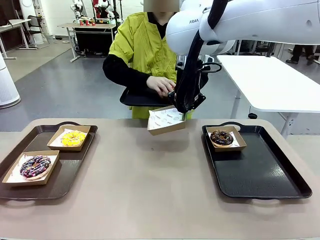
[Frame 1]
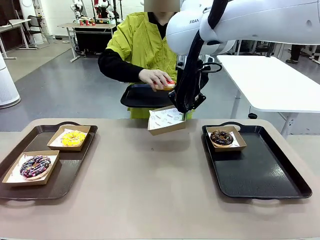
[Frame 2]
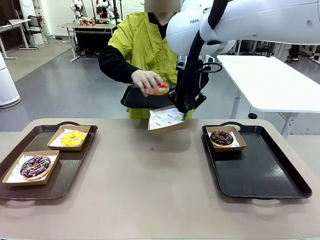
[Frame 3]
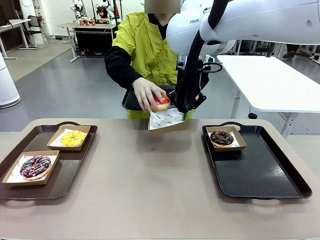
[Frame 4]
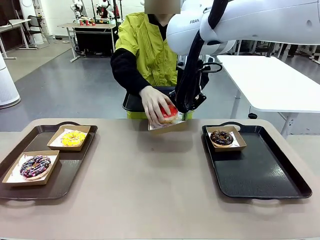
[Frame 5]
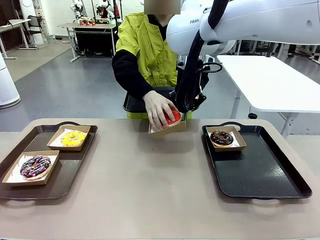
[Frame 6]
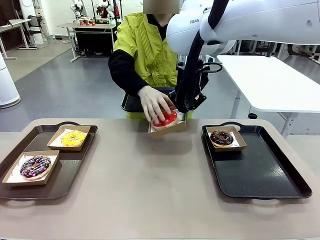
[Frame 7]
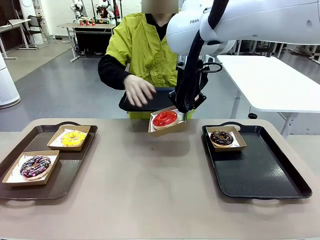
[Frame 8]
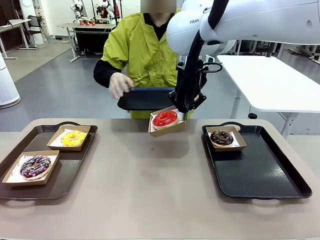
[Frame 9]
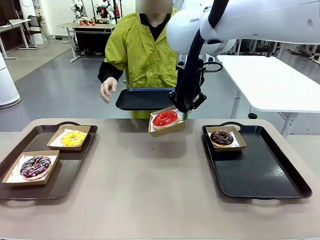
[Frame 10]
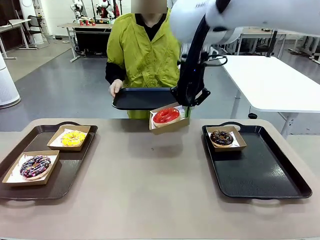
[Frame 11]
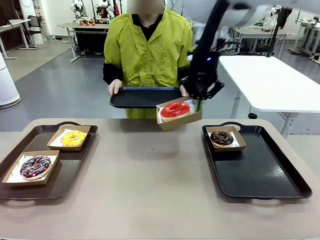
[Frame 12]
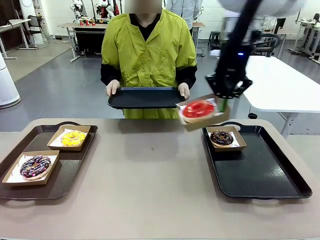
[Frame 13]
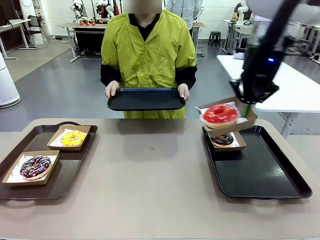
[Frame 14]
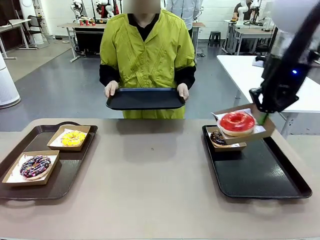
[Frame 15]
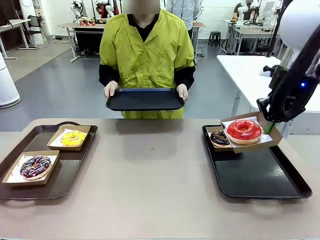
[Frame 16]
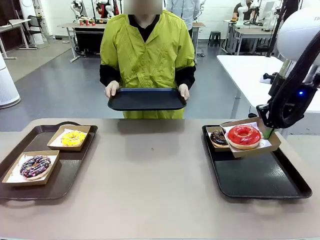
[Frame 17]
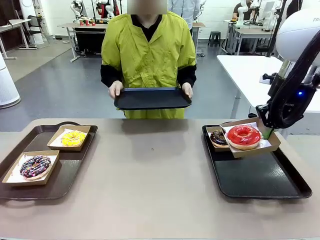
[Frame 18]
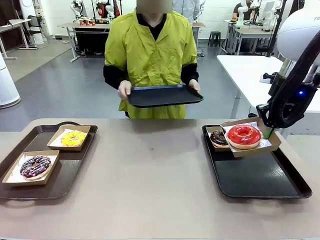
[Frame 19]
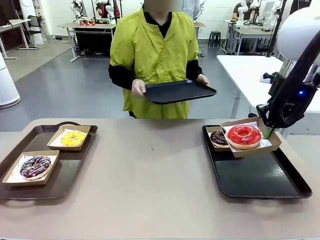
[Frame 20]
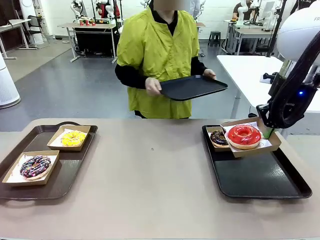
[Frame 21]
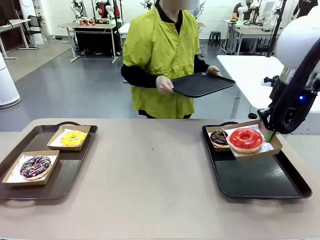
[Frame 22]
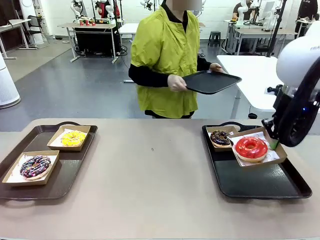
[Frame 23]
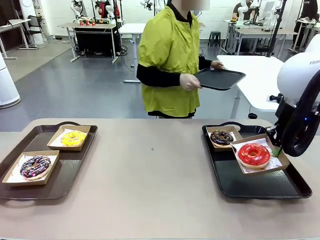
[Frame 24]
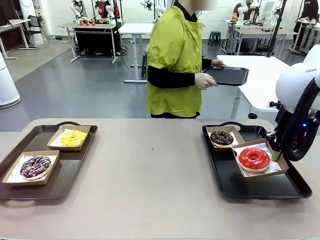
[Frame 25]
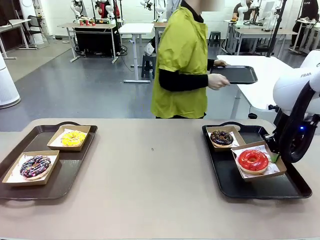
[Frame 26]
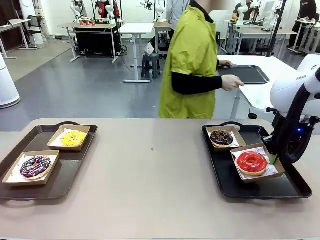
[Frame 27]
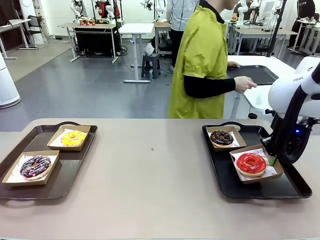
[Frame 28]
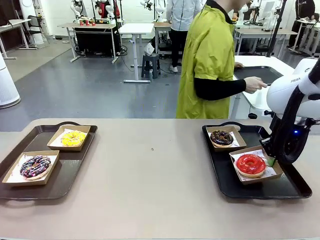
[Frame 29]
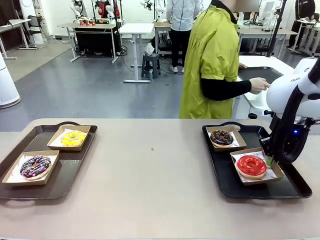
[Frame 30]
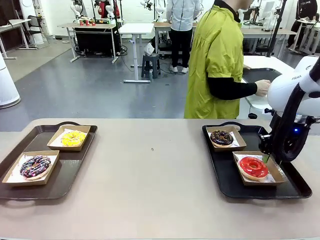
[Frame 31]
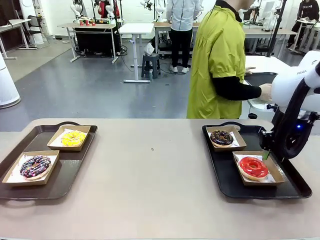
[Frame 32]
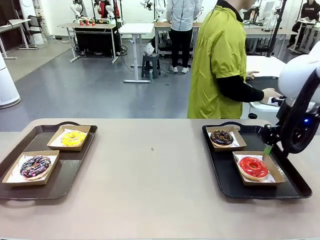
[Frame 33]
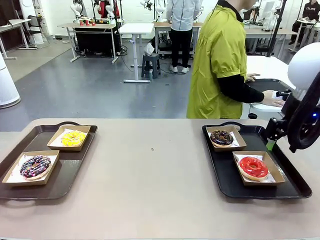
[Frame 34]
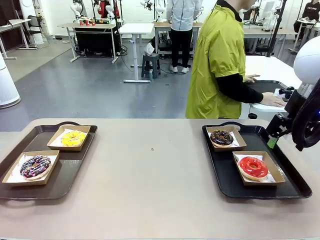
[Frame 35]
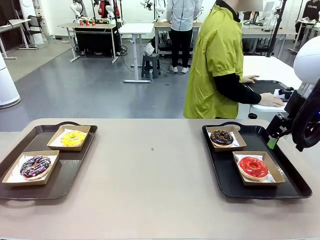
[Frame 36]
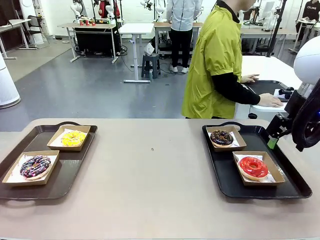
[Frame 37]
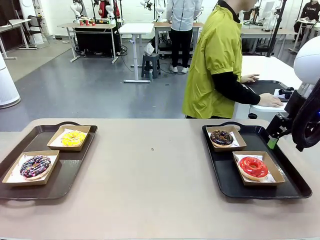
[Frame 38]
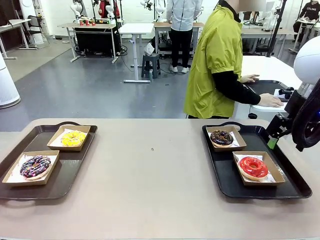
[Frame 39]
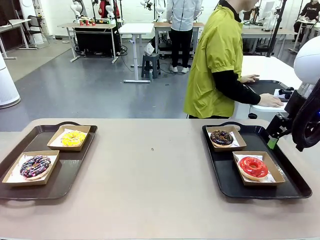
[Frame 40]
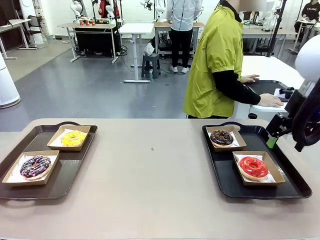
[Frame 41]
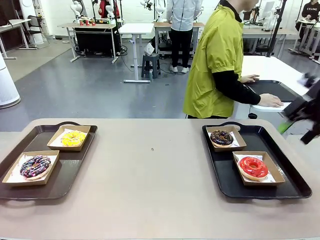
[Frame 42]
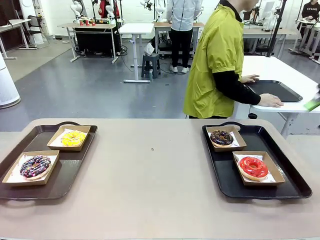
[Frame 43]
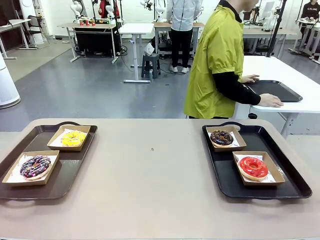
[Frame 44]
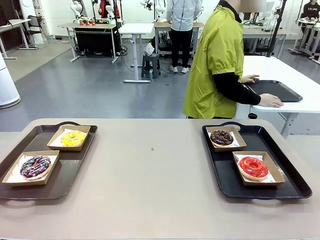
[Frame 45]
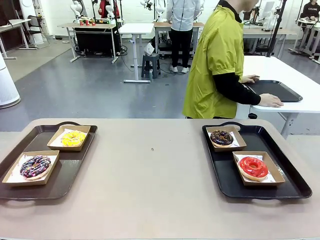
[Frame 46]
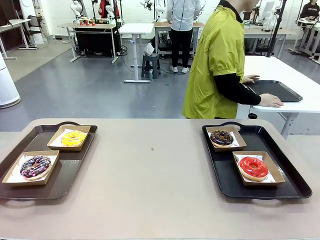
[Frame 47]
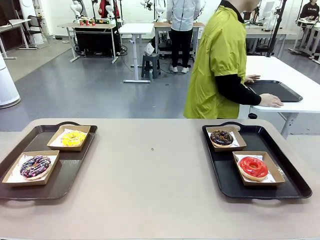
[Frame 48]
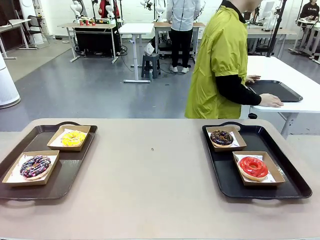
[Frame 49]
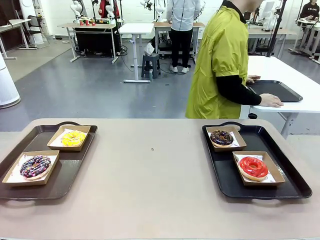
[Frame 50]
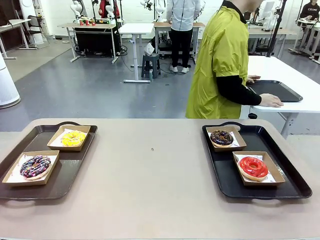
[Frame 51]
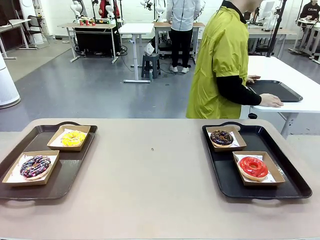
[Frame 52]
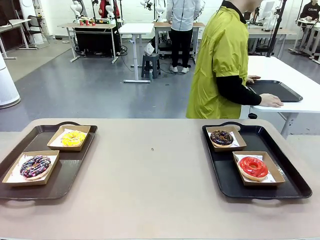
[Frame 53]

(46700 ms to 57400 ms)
Task: Individually package the donuts and arrange them on the tray.
Robot: Place the picked Paper togo box on the Handle tray.
Person: Place the tray down in the middle of the human table.

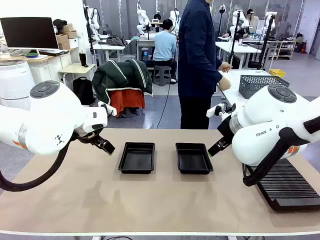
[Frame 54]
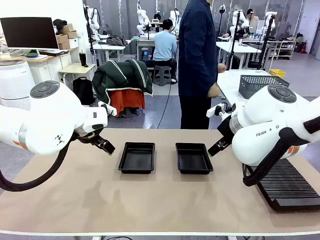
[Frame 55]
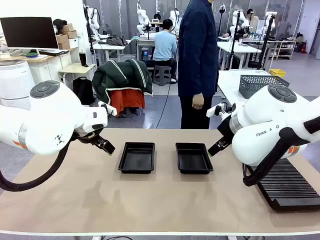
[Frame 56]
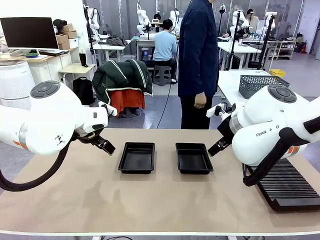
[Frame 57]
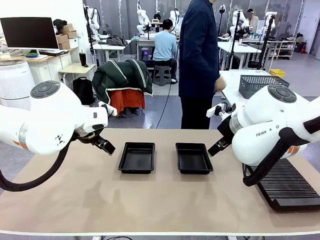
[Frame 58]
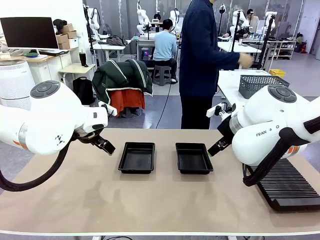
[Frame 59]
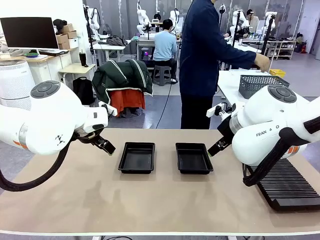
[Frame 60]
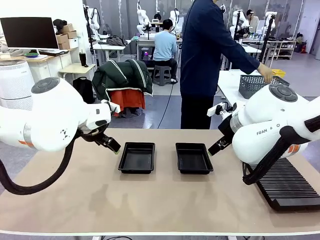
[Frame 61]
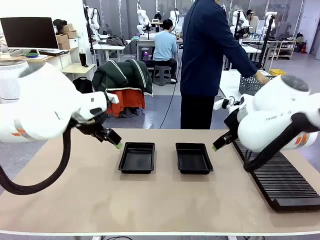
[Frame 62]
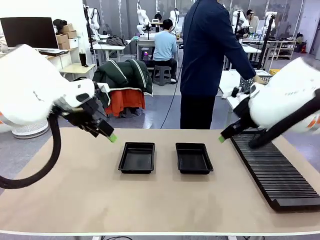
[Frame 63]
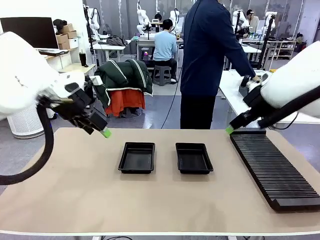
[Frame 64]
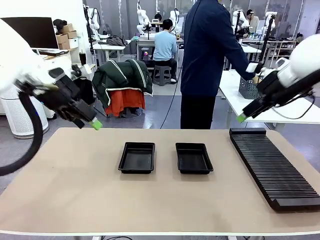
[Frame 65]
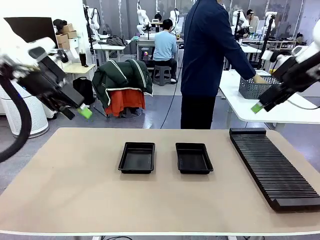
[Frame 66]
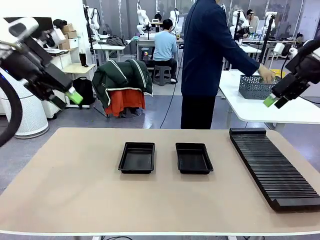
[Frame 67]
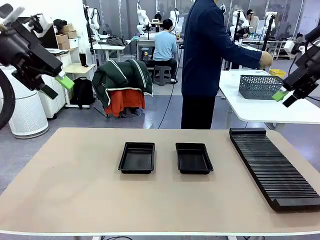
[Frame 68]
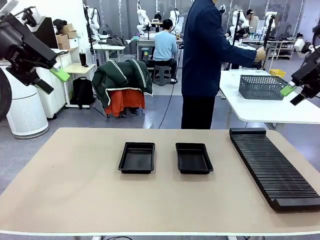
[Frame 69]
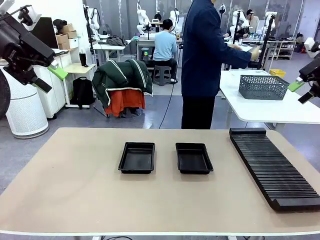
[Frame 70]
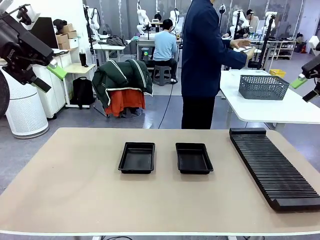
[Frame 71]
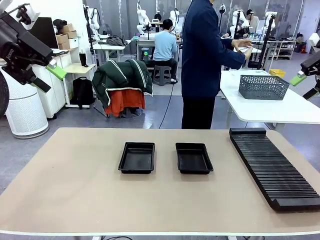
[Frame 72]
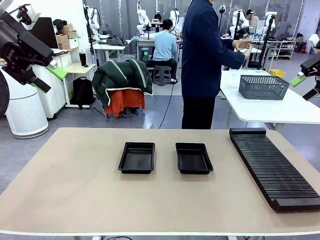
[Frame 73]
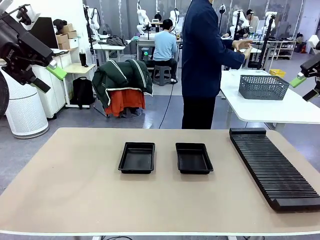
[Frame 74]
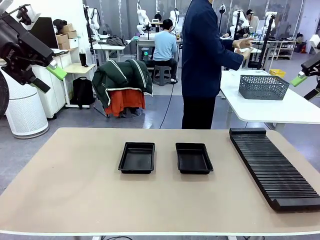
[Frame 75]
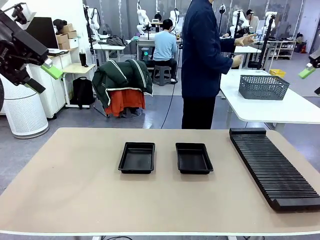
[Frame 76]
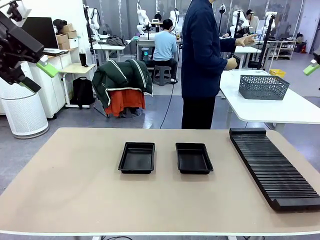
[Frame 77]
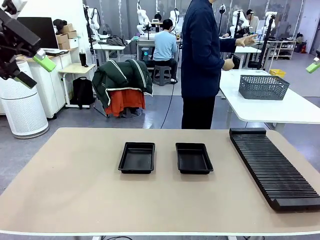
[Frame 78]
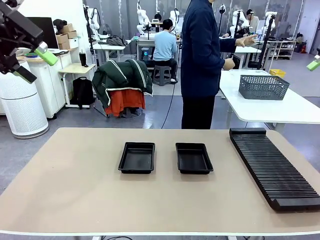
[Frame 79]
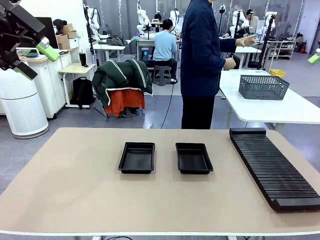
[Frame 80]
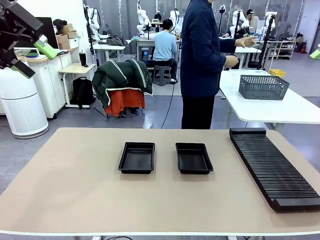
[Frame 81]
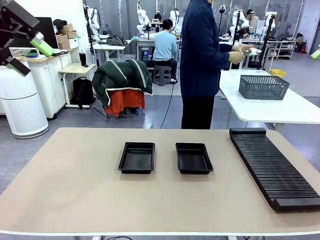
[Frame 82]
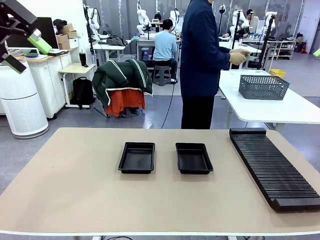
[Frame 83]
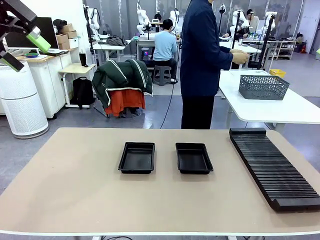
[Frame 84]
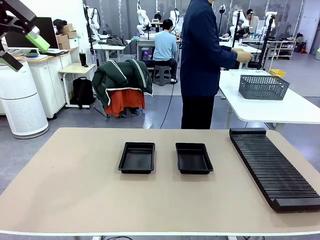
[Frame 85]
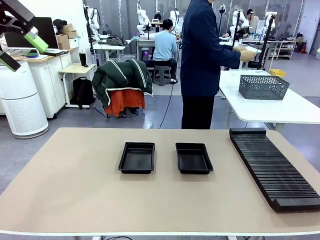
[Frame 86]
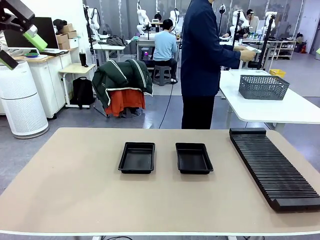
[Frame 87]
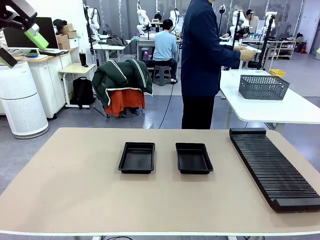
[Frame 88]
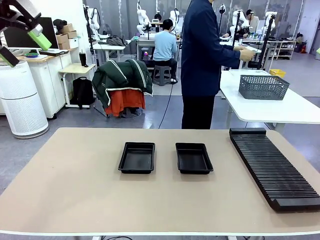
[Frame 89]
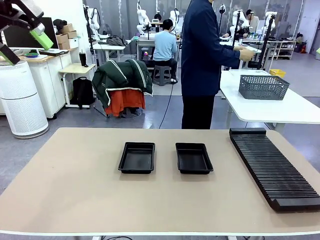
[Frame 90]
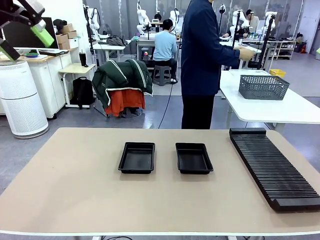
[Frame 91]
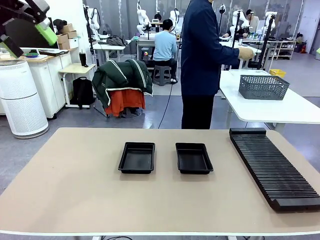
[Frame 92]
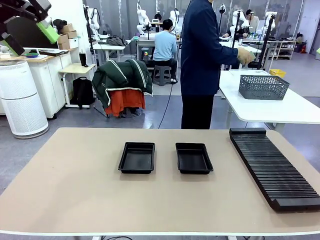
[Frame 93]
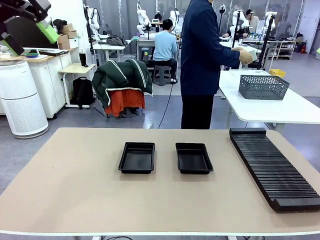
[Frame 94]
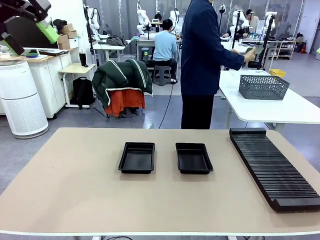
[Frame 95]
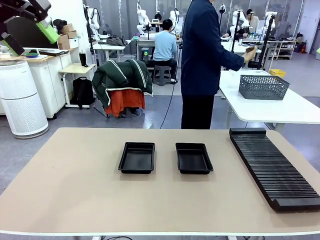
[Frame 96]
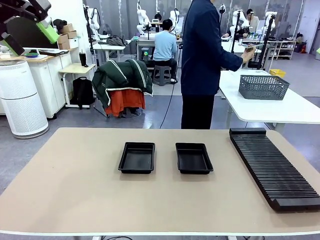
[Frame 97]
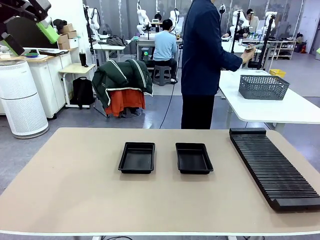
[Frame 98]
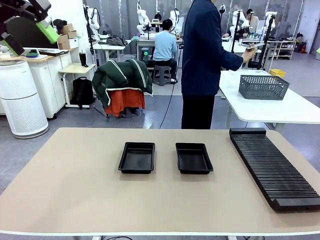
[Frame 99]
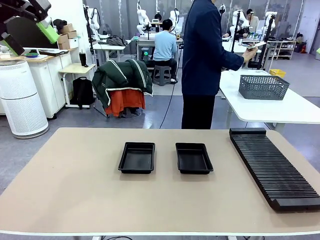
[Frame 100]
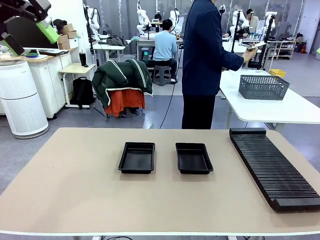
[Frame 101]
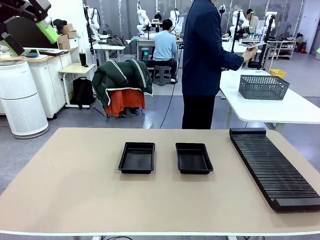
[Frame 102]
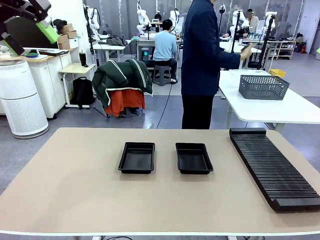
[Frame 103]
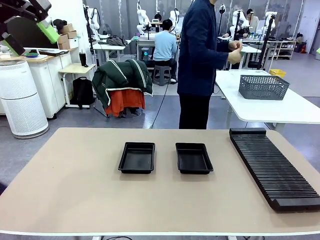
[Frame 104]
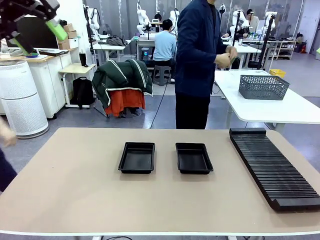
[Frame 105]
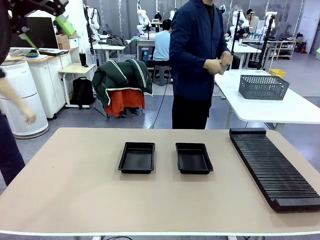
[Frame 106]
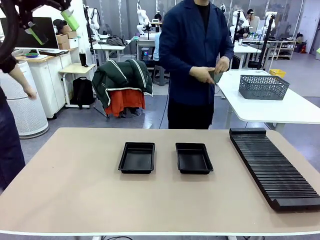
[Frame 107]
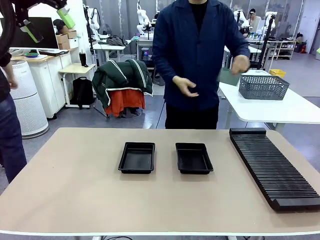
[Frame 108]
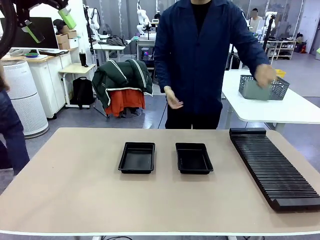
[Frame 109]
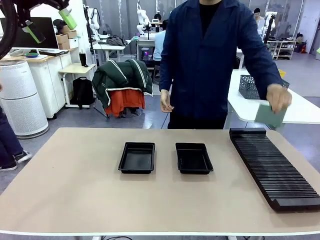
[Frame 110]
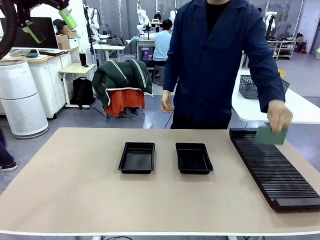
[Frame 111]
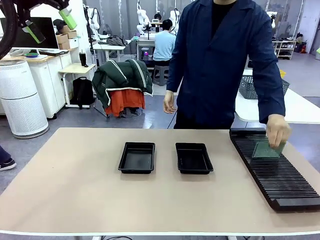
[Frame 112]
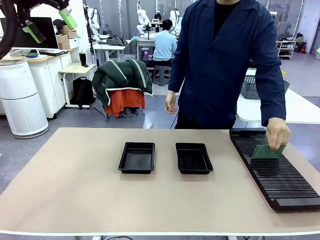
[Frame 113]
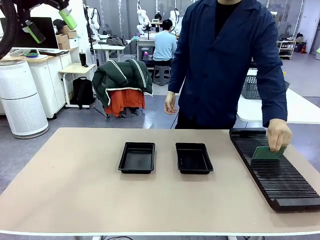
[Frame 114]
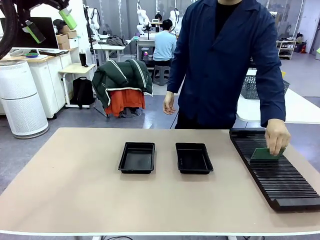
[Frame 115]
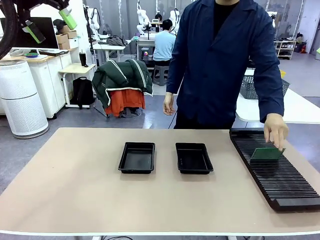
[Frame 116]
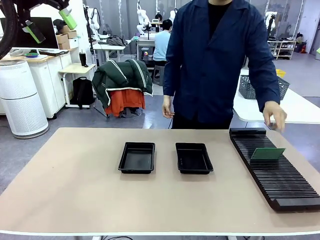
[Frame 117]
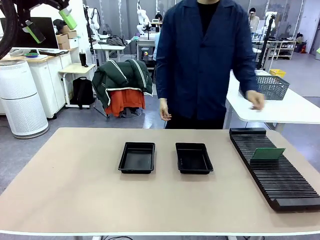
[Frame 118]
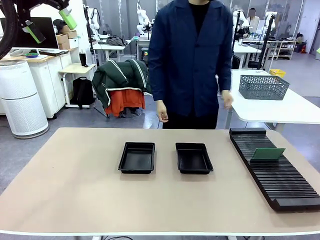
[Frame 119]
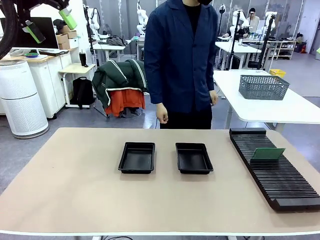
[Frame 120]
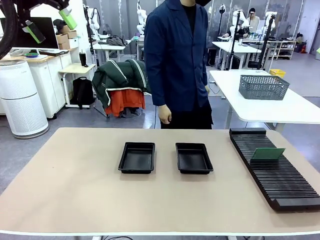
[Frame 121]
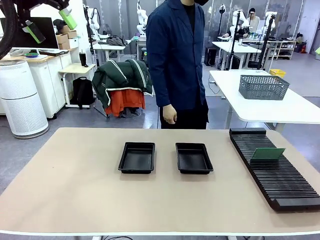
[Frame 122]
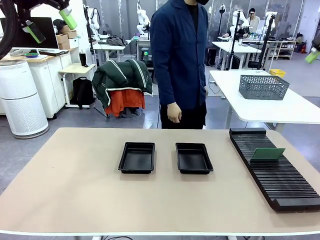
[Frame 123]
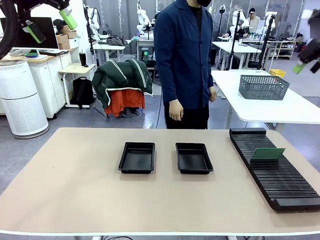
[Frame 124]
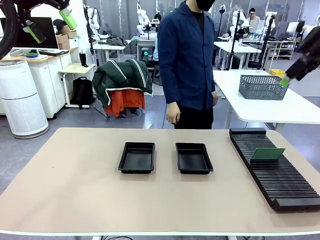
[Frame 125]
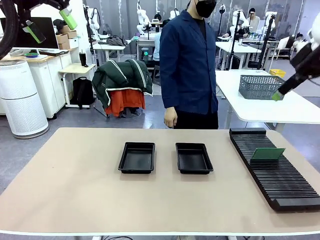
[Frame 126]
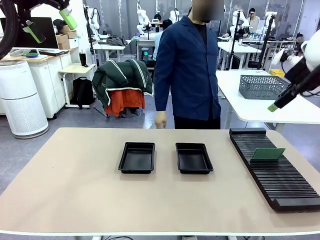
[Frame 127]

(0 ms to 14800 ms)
Task: Inspect and transfer BCBs to ESD trays.
Robot: Pick up the Blank PCB from the PCB Rack and place it in the left ESD tray.
